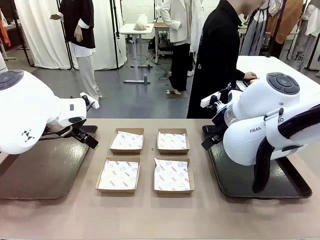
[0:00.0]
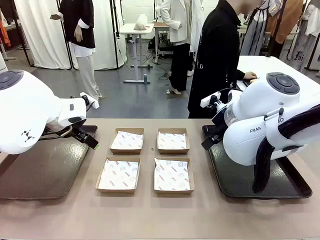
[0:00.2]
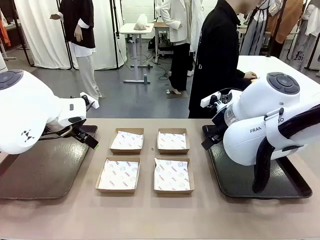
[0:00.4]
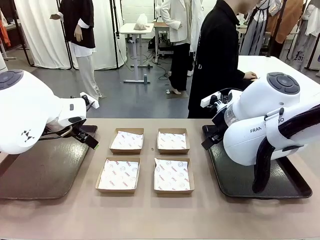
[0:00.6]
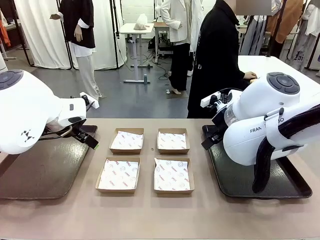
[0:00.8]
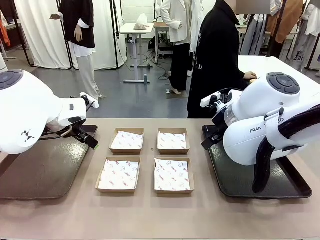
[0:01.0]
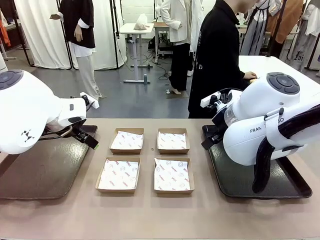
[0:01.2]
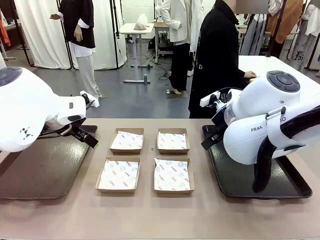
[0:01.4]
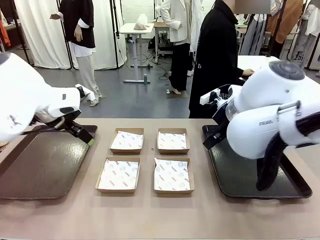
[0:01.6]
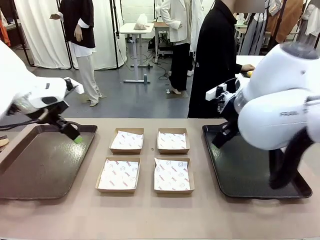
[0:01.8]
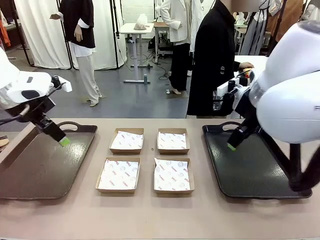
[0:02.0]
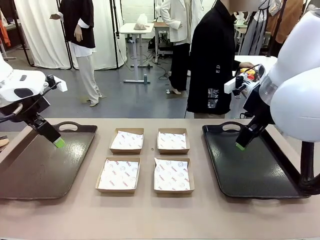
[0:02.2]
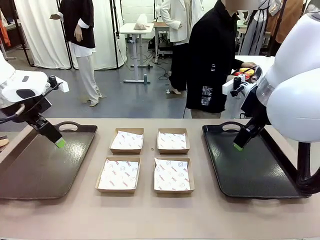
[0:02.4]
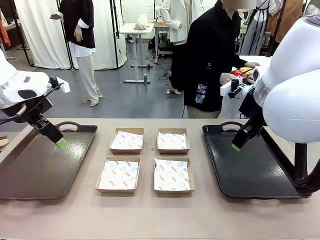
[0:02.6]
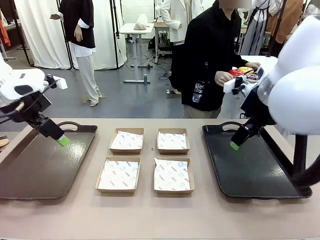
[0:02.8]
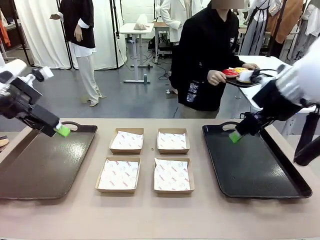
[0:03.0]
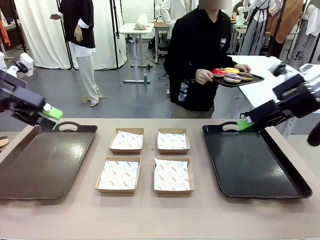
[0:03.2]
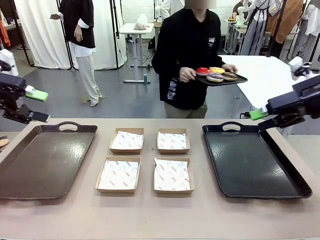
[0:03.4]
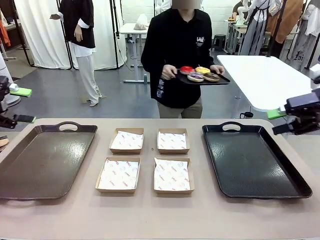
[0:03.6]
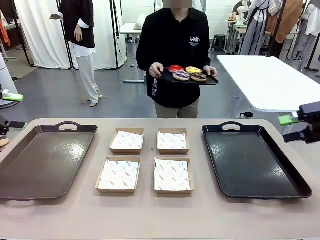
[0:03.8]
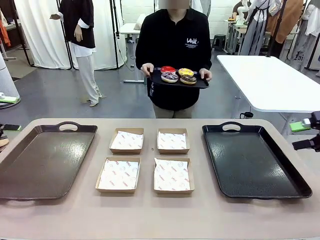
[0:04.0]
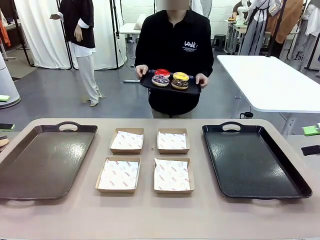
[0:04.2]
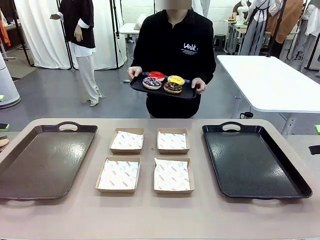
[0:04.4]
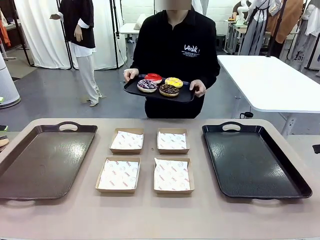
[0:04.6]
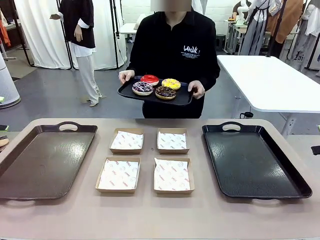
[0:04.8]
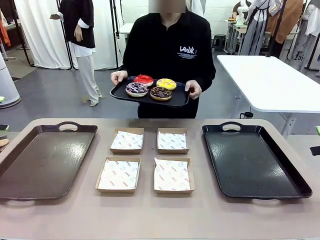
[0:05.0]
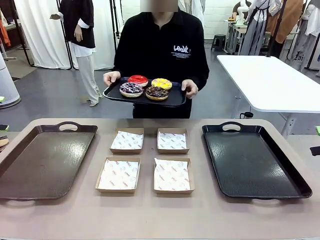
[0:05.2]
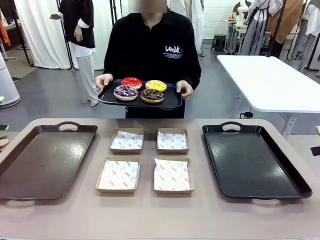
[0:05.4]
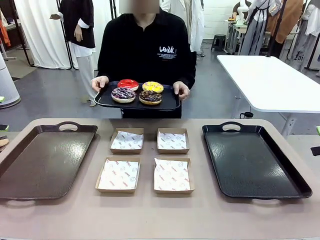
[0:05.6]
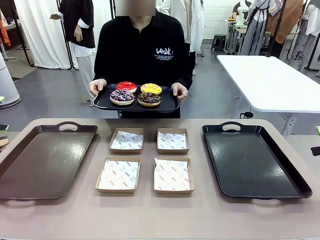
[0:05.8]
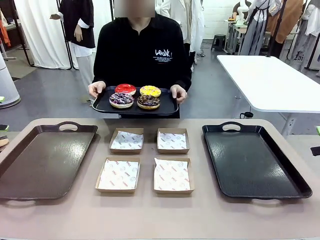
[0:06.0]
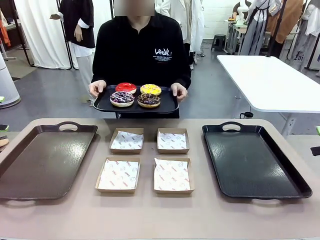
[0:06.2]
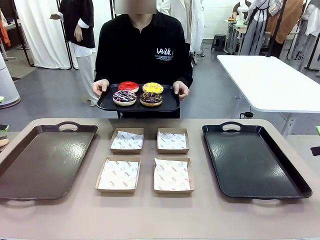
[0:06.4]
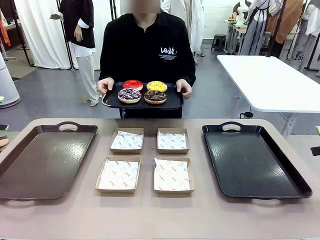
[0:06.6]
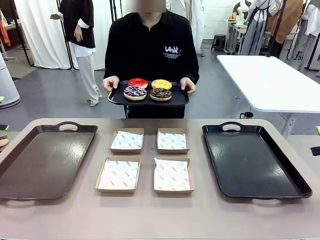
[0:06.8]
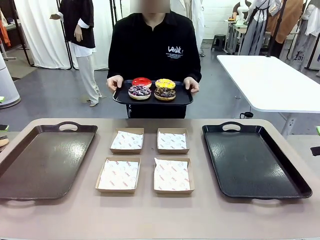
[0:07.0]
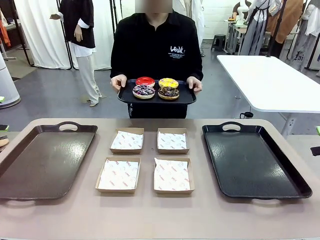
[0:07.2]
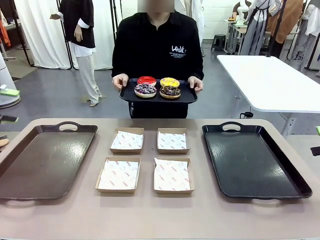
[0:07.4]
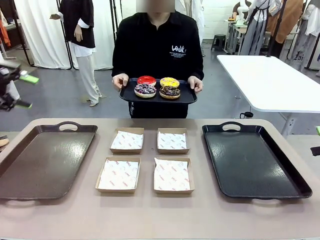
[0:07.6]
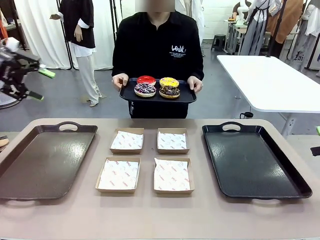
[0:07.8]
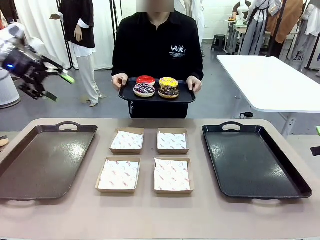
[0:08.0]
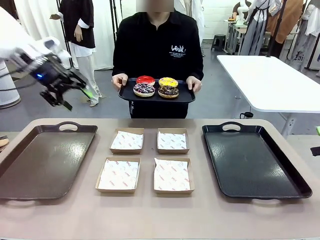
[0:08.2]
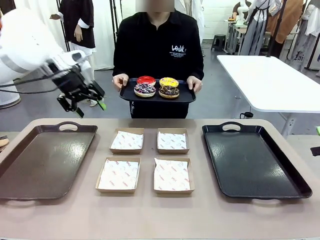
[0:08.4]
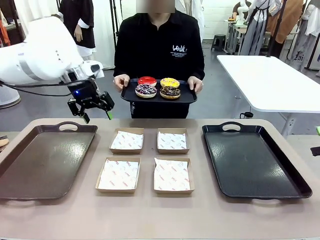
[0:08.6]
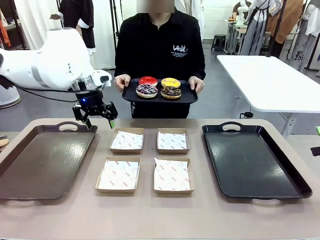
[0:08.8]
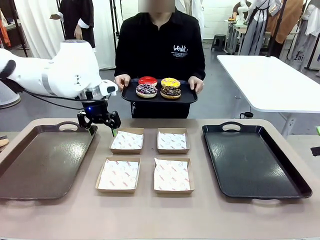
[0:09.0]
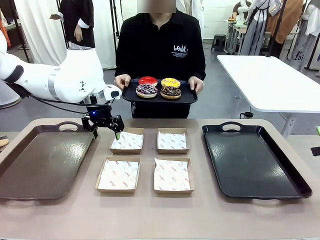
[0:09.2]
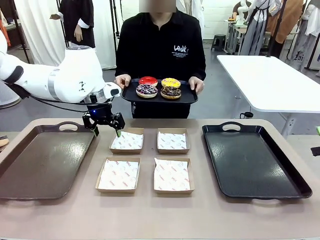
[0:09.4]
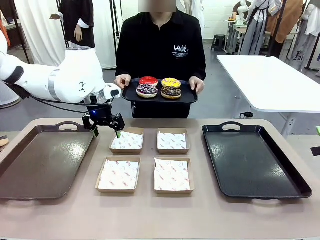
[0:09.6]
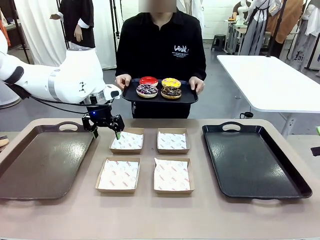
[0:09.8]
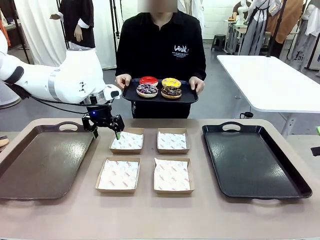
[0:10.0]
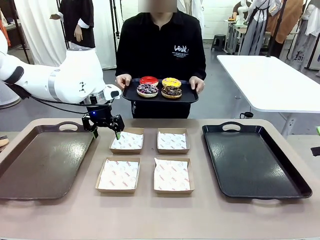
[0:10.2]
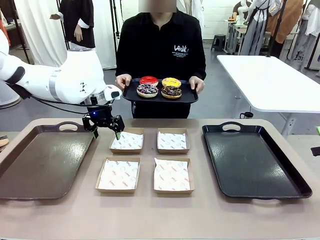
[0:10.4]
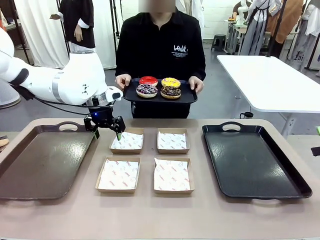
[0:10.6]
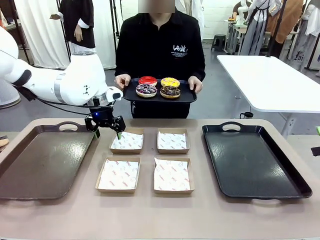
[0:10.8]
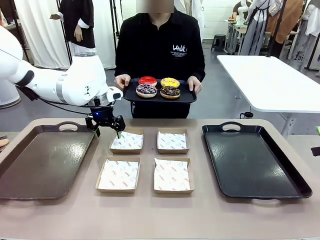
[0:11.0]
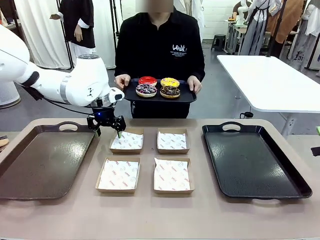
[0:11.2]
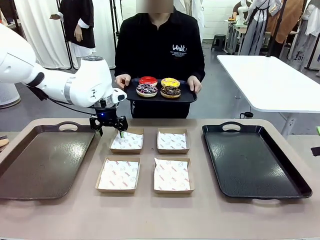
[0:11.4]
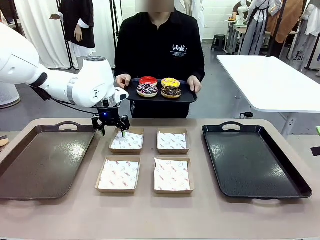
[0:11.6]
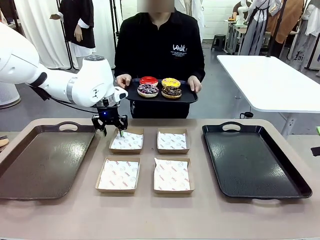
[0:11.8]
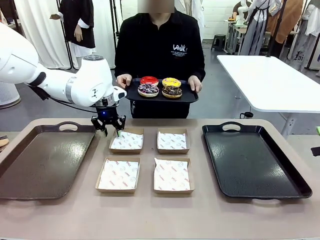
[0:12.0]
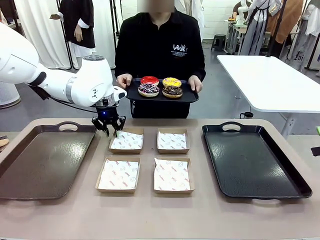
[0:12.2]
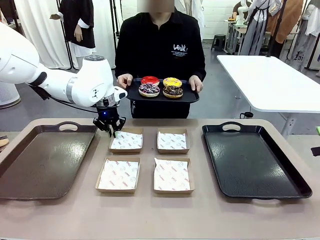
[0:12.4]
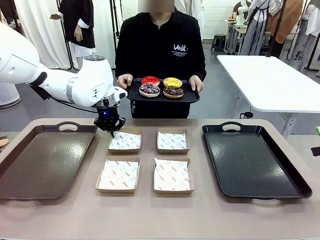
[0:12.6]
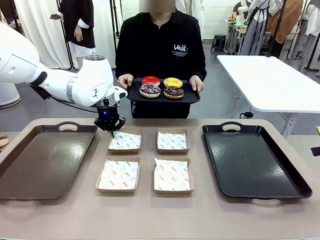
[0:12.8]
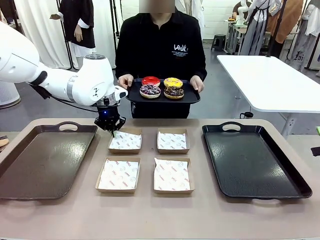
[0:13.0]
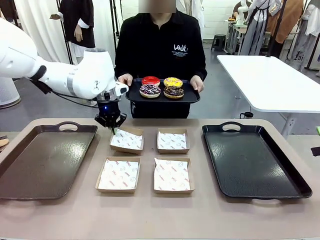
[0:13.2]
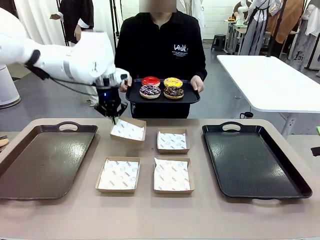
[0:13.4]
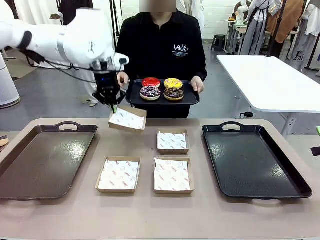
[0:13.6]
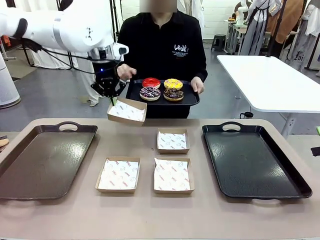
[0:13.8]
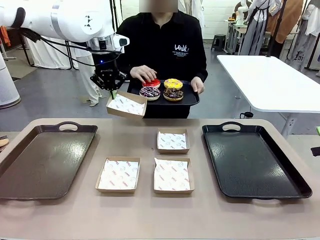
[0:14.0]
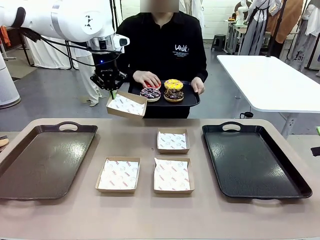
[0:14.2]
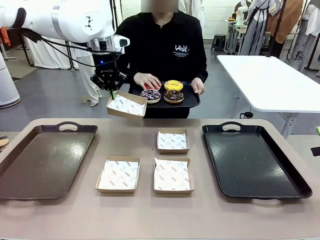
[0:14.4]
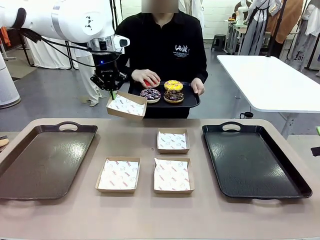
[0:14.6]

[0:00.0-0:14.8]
Task: Individually package the donuts and arrange them on the tray.
Robot: Pick up one Paper togo box.
Person: Stand in front of the robot table holding the tray containing the donuts.
